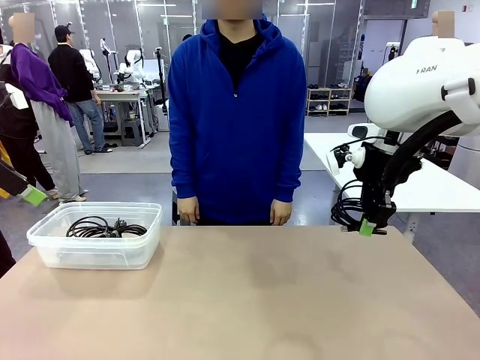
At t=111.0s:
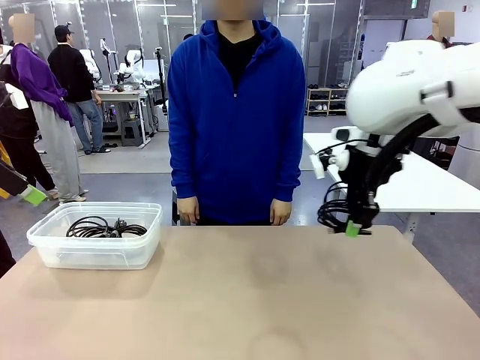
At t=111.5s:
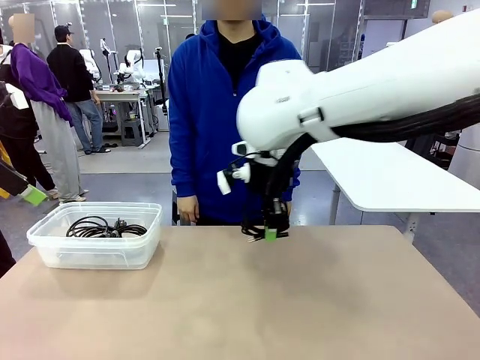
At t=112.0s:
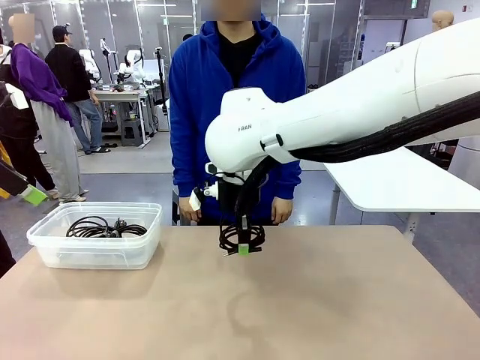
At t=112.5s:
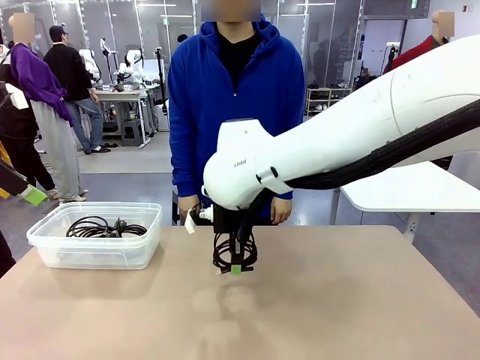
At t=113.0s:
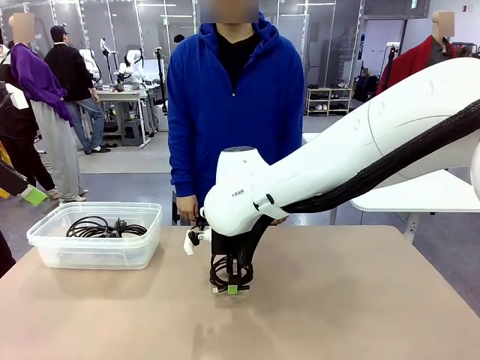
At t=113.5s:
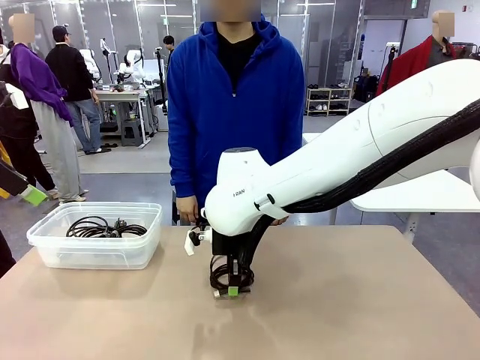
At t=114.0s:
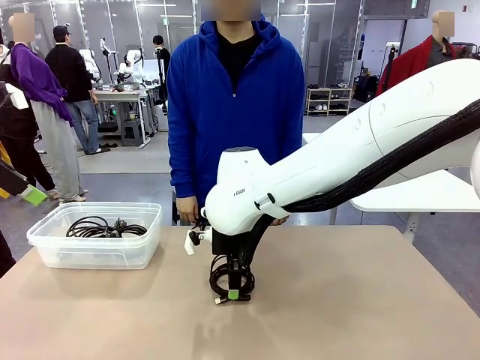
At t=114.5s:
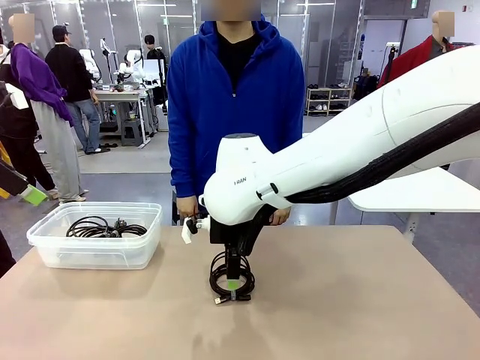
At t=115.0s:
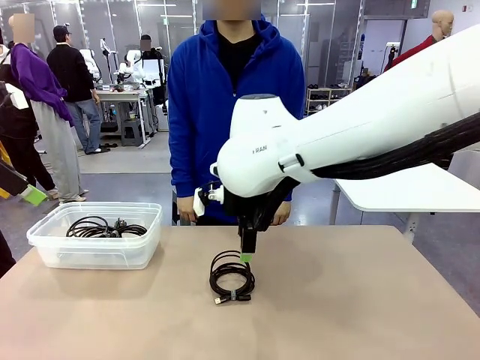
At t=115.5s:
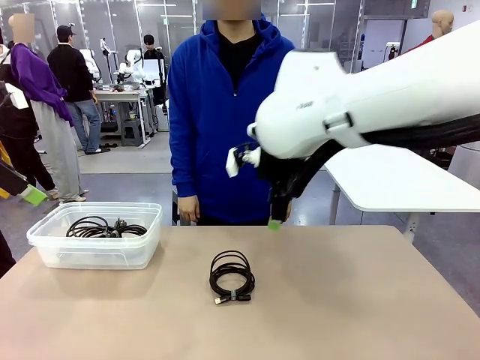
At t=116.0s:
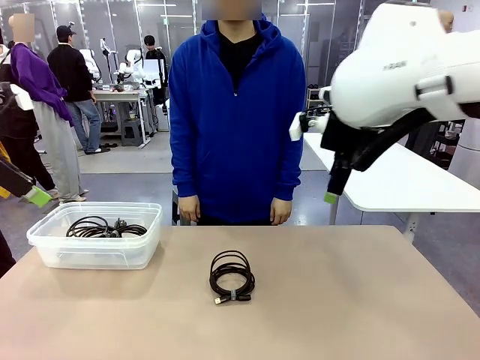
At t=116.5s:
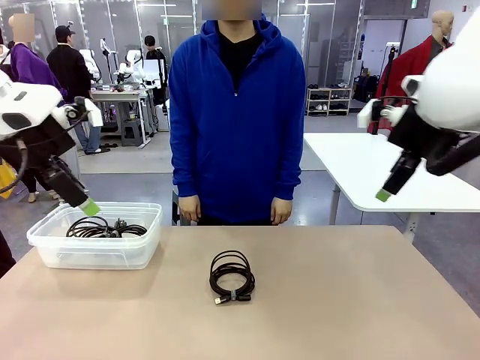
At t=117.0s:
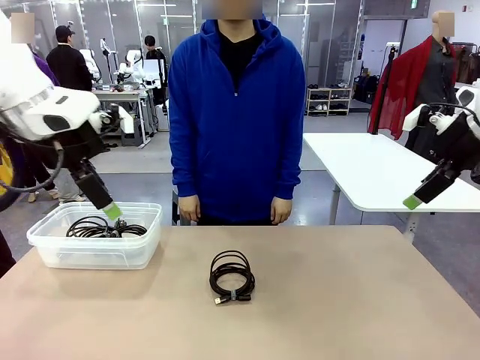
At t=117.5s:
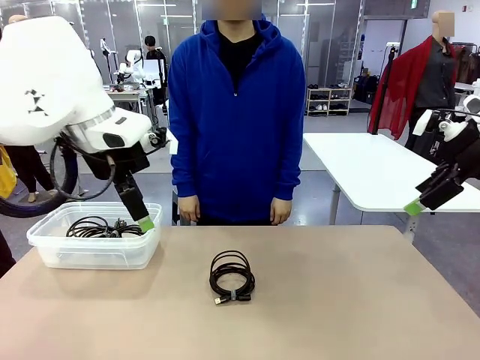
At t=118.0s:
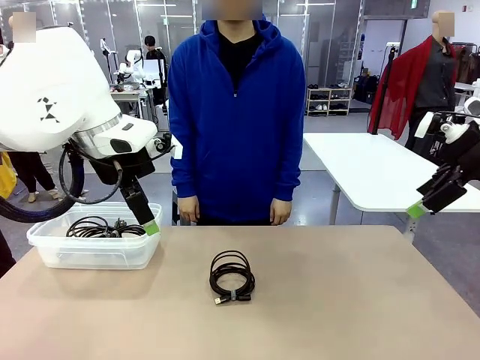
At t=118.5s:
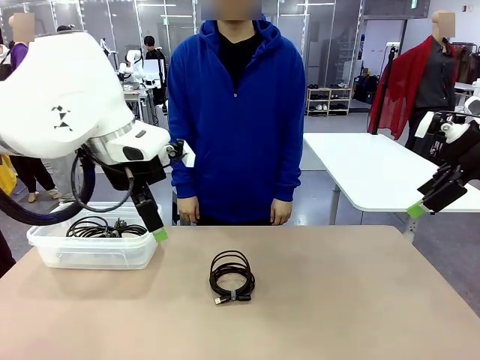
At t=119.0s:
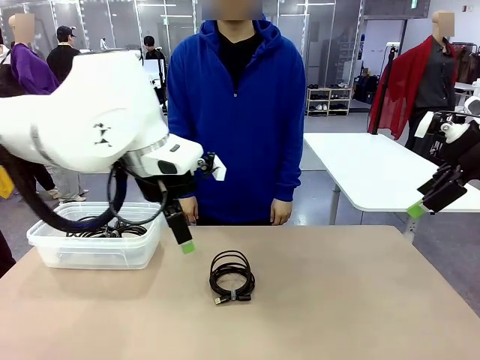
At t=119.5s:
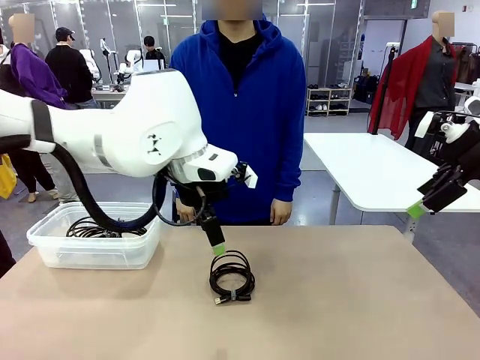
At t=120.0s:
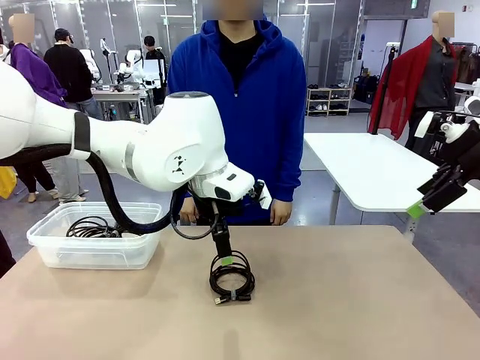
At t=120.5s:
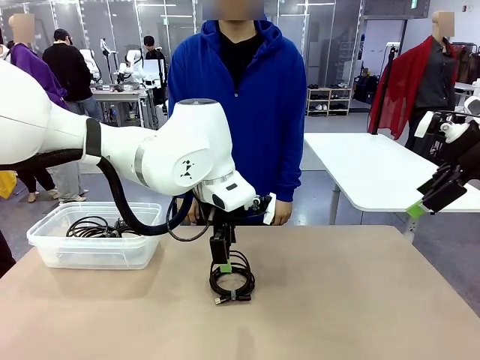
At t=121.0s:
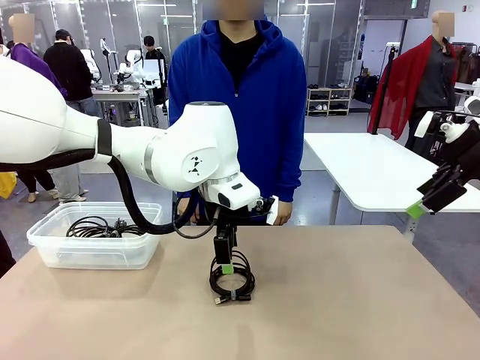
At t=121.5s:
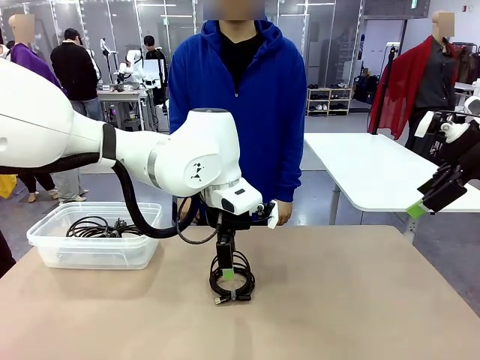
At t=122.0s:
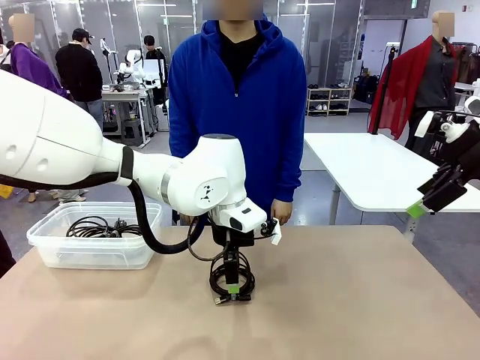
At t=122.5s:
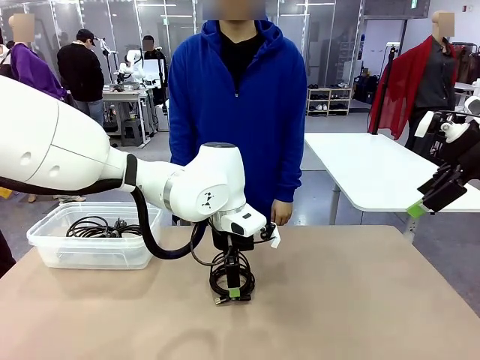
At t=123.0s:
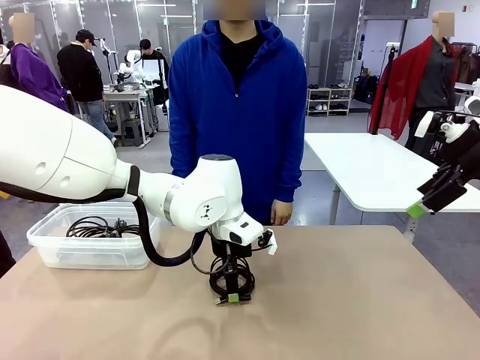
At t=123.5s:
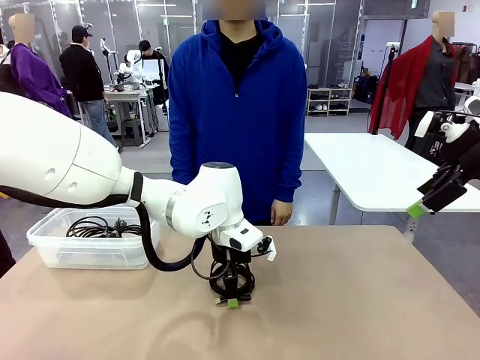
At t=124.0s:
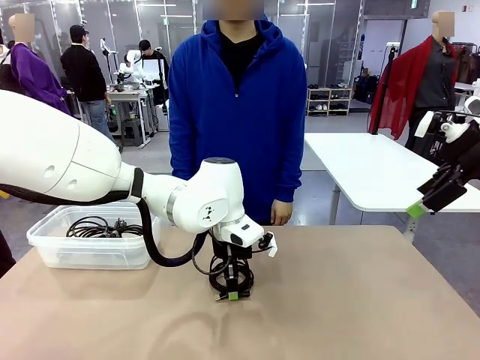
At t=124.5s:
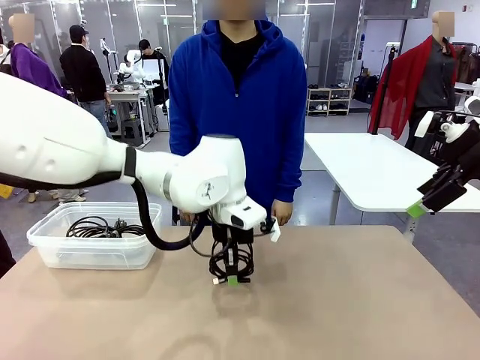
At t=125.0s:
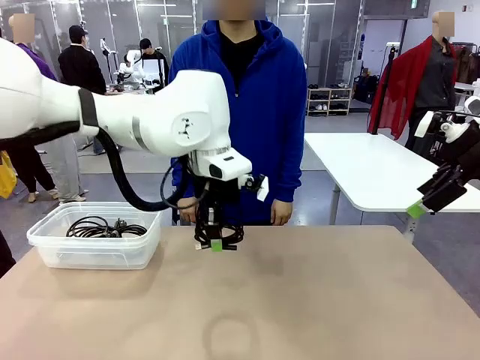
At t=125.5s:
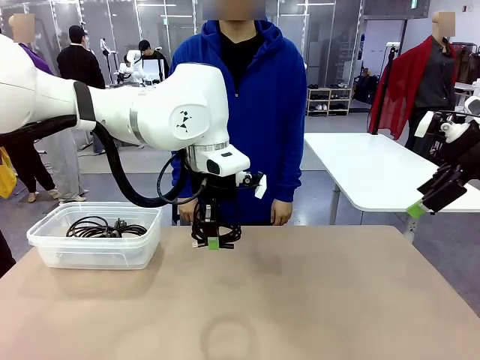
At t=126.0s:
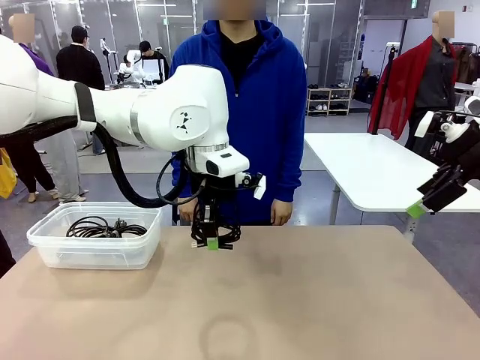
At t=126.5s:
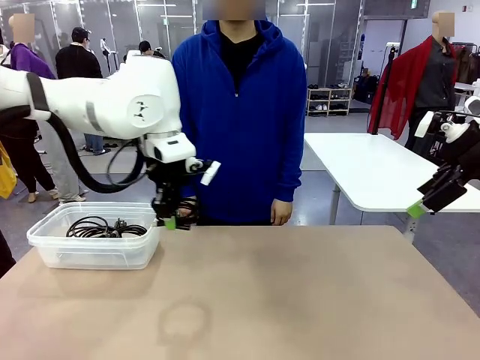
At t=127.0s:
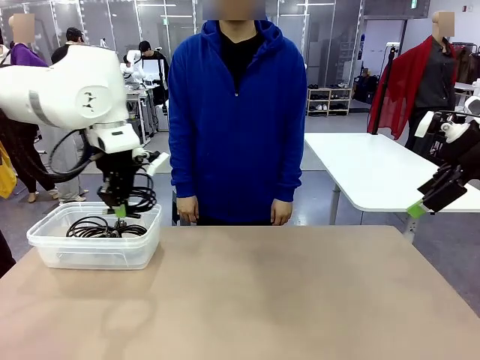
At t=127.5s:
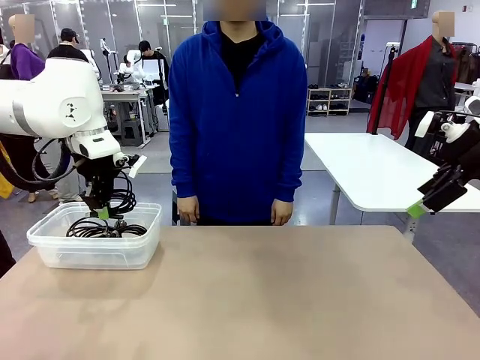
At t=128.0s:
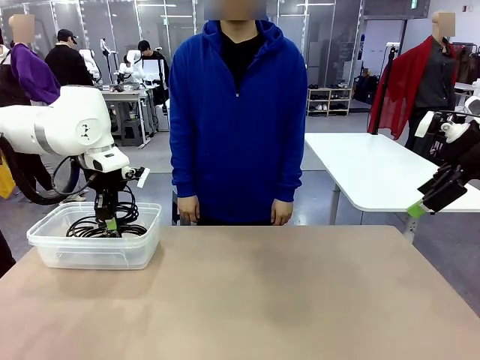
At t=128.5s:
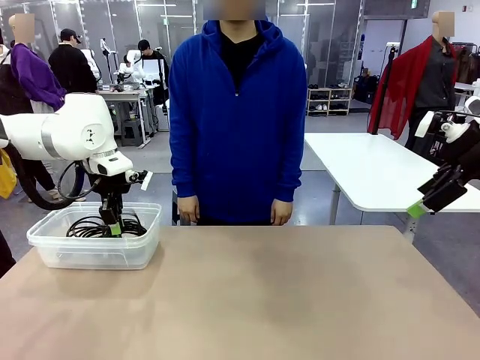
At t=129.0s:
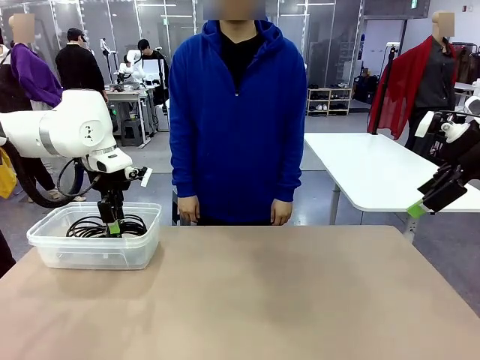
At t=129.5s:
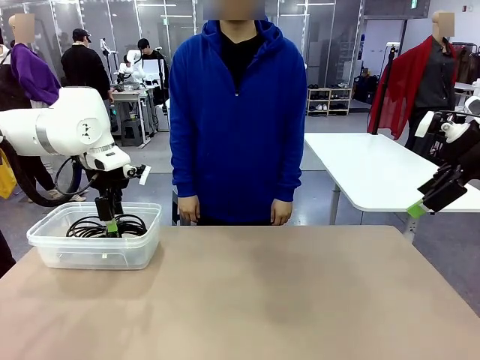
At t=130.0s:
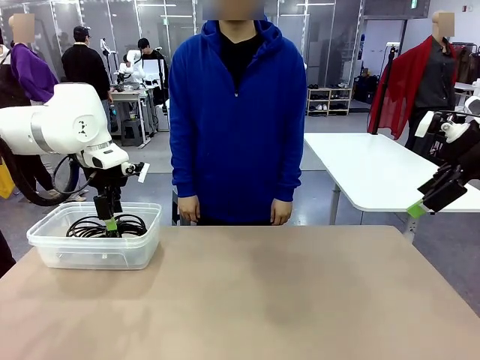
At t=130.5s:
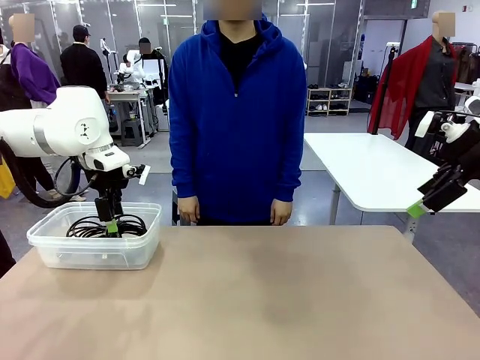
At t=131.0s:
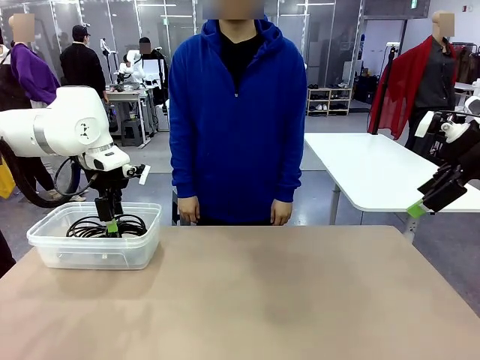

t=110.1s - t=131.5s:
Task: Organize and store the cables.
Robot: Place the USB Extension Cable into the Organizing box.

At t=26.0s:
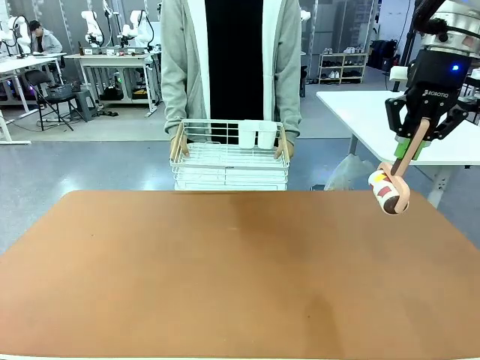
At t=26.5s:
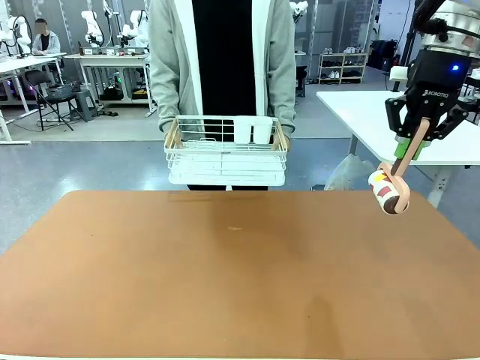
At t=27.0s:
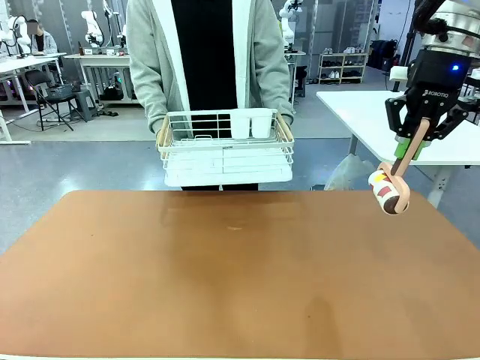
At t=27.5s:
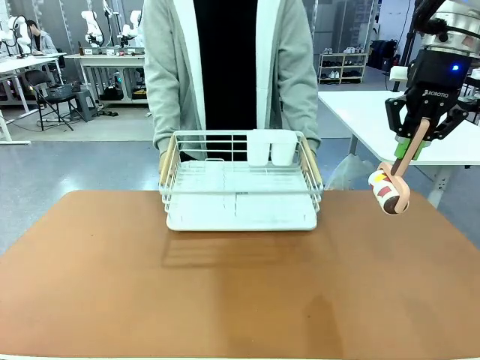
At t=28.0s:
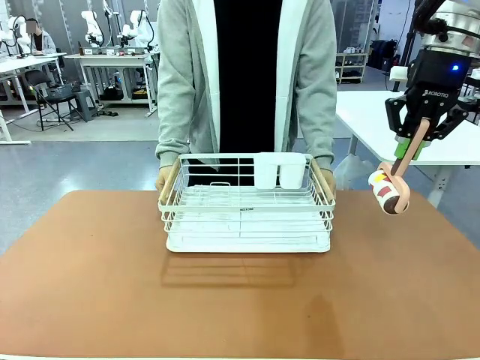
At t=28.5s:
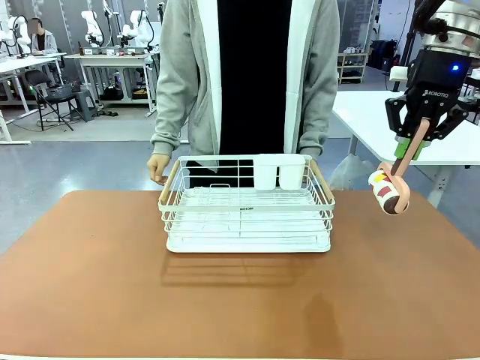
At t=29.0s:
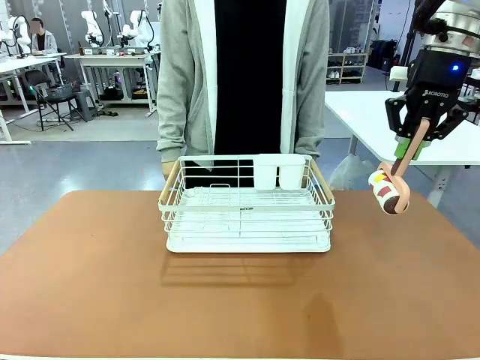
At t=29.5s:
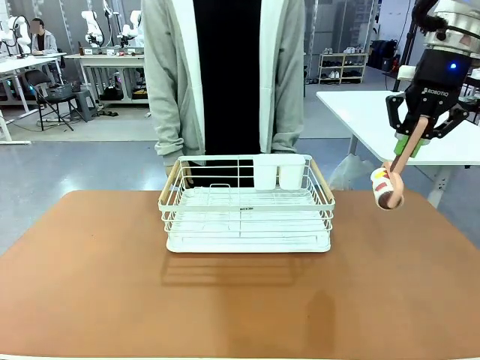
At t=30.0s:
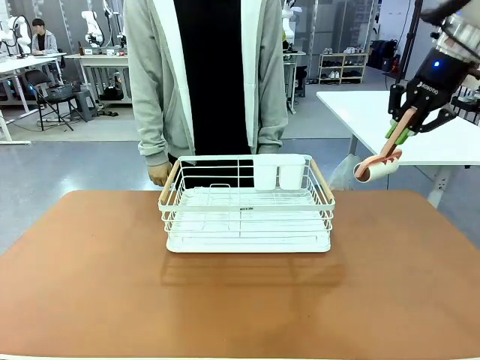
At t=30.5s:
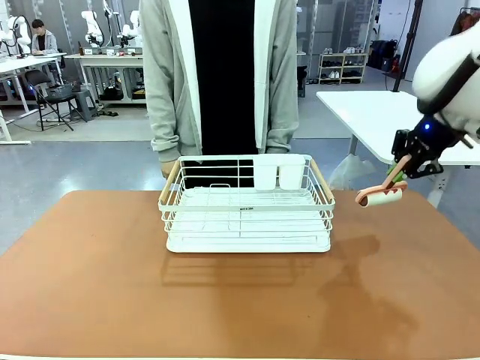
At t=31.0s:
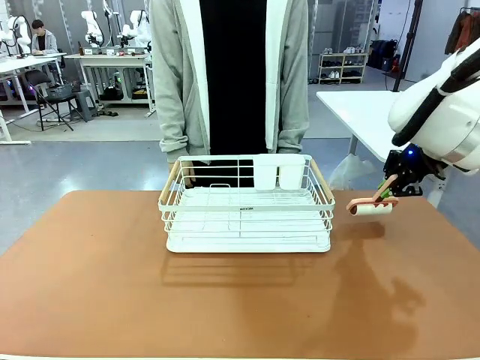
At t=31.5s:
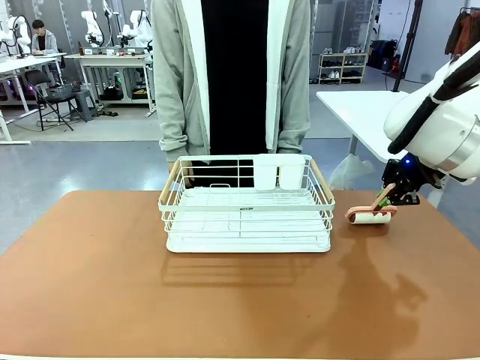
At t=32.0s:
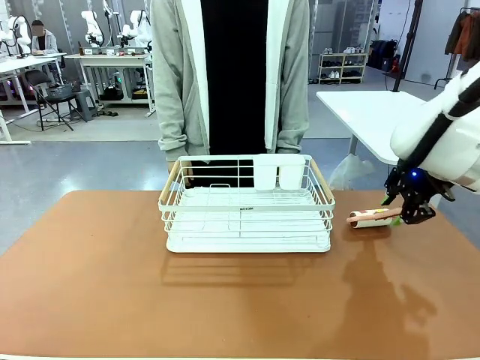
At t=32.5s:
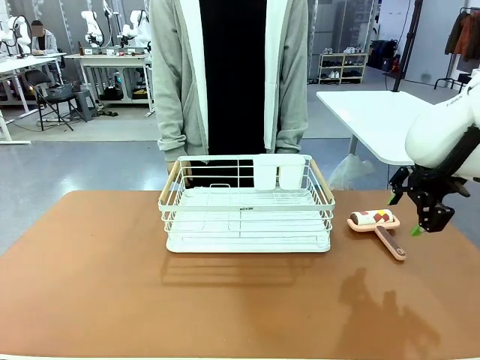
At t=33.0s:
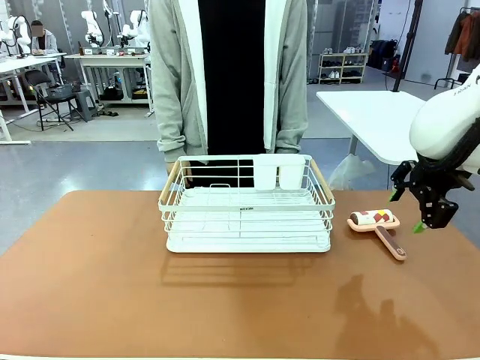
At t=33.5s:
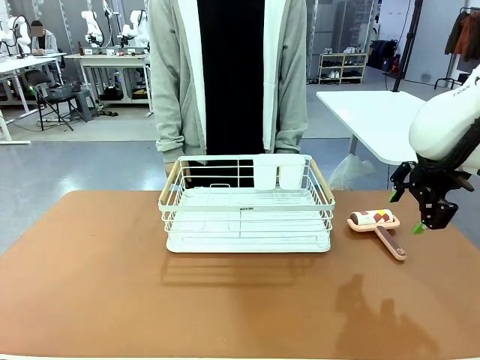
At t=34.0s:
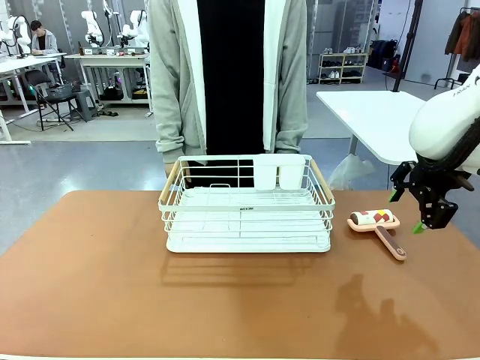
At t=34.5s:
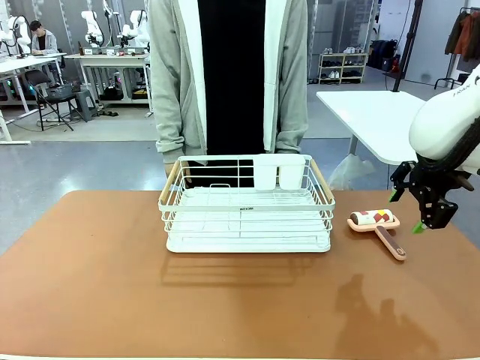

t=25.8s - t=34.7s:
Task: Clean the table.
Robot: Place the Lint Roller down when the Dish drying rack is positioned in the middle of the table.
